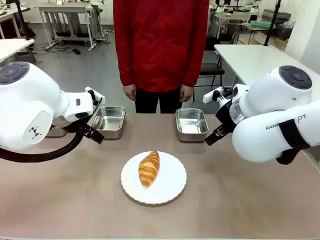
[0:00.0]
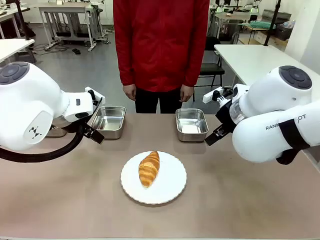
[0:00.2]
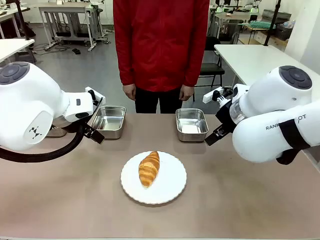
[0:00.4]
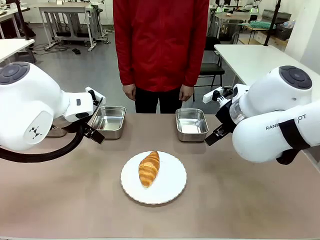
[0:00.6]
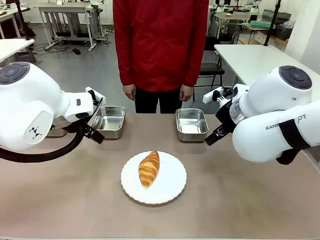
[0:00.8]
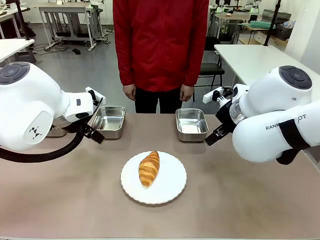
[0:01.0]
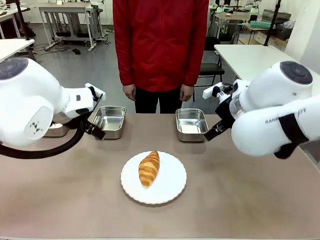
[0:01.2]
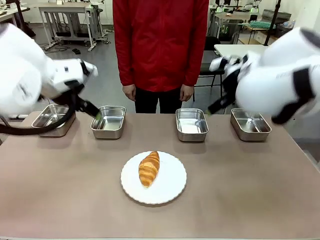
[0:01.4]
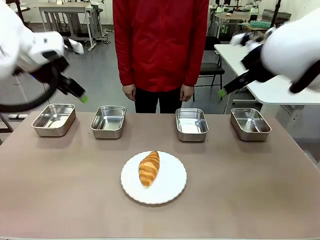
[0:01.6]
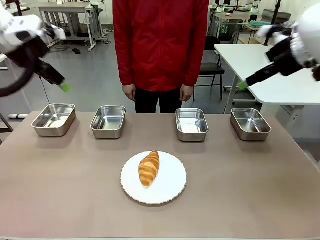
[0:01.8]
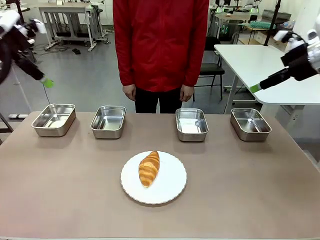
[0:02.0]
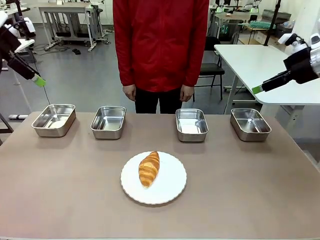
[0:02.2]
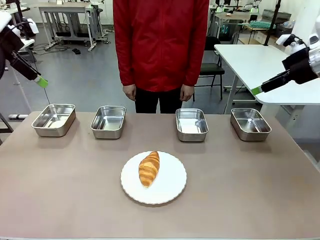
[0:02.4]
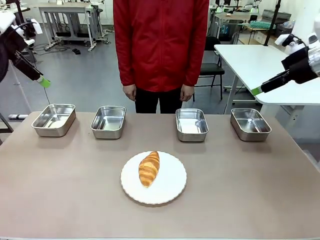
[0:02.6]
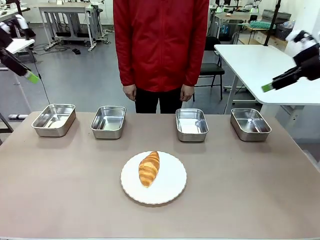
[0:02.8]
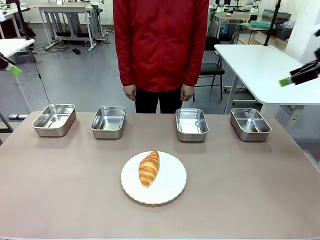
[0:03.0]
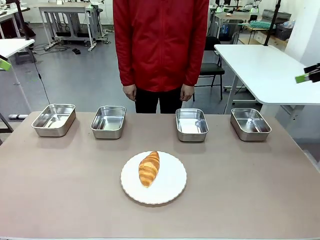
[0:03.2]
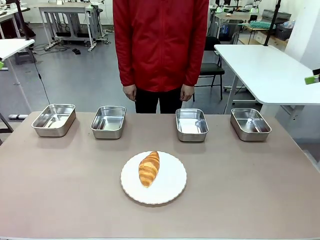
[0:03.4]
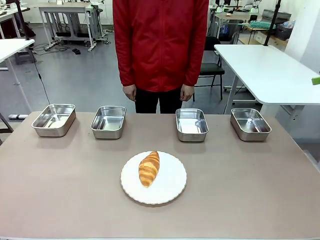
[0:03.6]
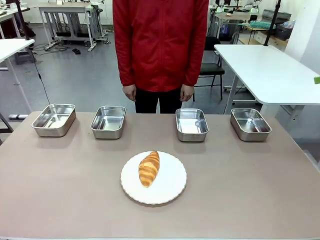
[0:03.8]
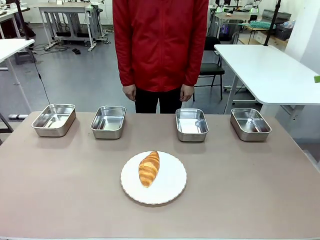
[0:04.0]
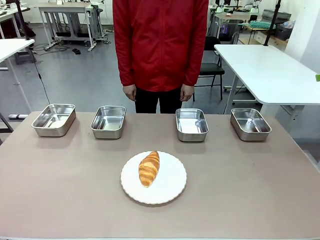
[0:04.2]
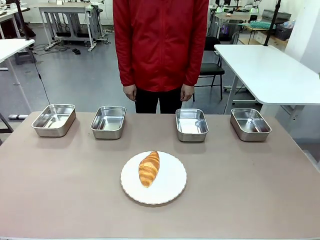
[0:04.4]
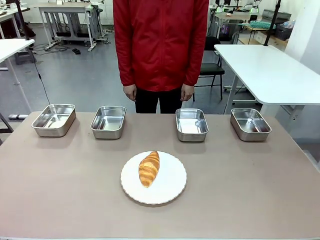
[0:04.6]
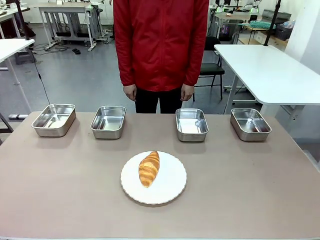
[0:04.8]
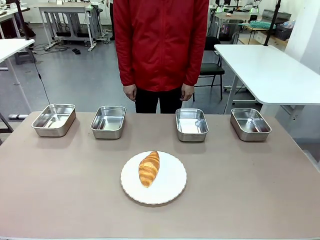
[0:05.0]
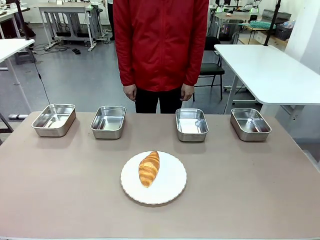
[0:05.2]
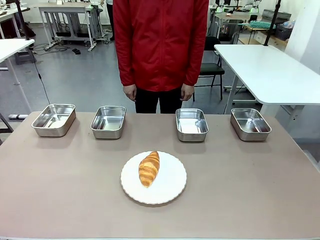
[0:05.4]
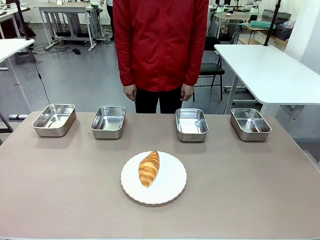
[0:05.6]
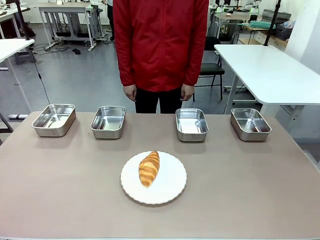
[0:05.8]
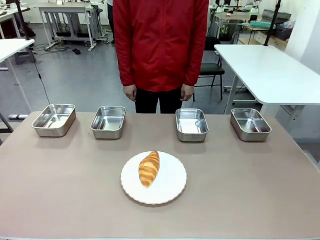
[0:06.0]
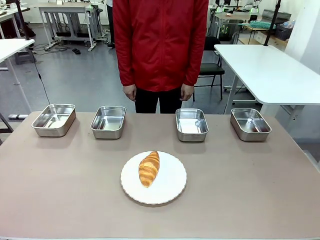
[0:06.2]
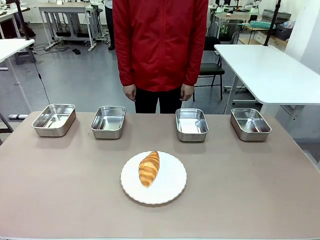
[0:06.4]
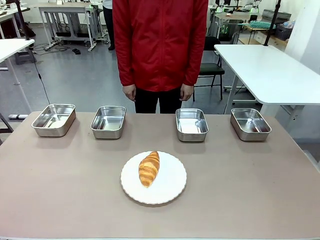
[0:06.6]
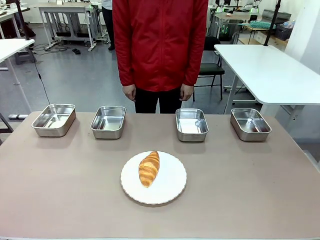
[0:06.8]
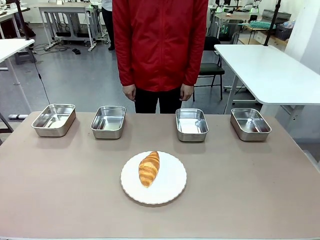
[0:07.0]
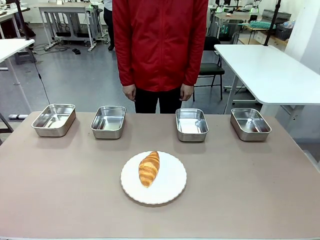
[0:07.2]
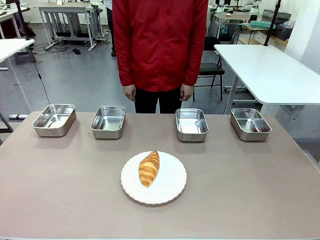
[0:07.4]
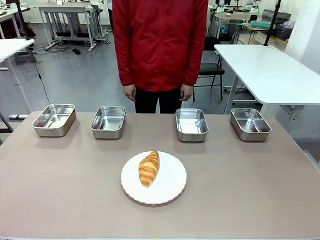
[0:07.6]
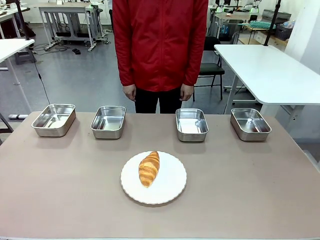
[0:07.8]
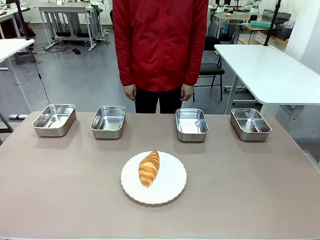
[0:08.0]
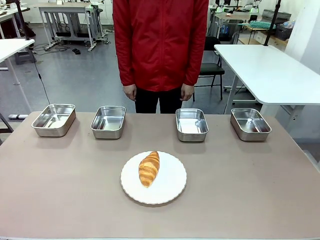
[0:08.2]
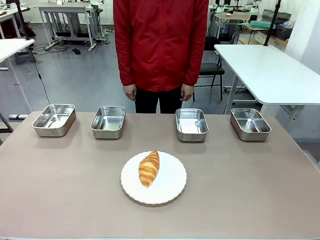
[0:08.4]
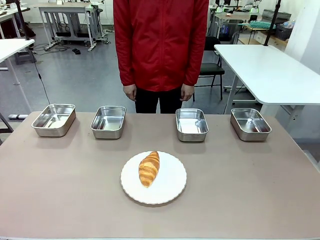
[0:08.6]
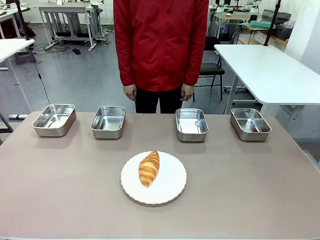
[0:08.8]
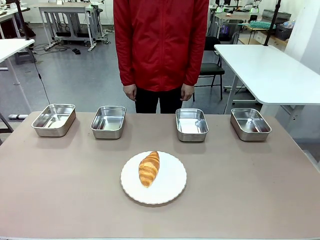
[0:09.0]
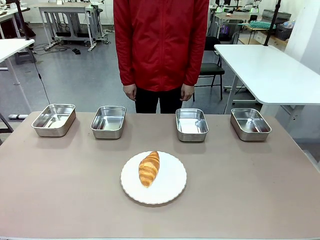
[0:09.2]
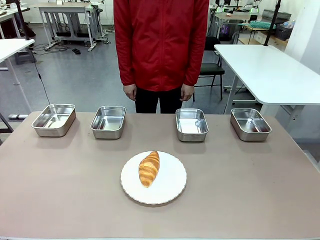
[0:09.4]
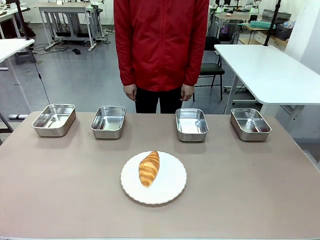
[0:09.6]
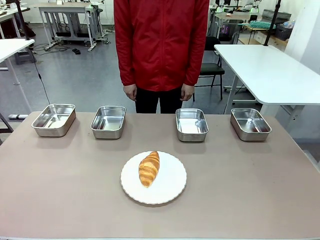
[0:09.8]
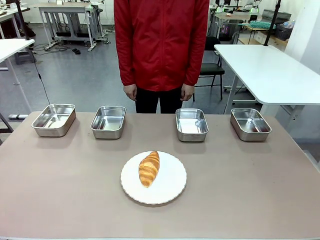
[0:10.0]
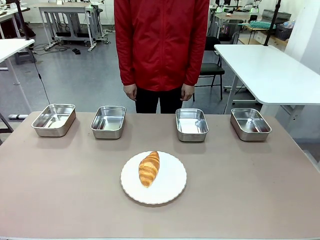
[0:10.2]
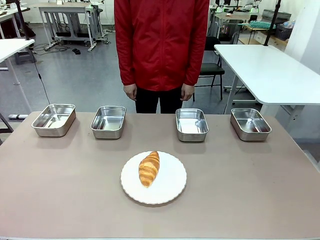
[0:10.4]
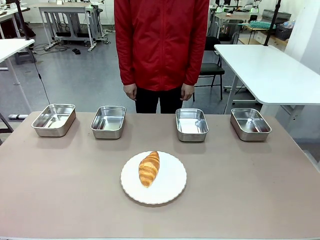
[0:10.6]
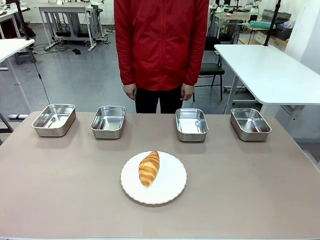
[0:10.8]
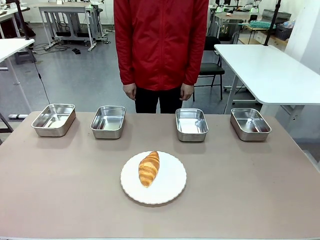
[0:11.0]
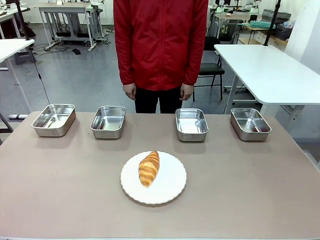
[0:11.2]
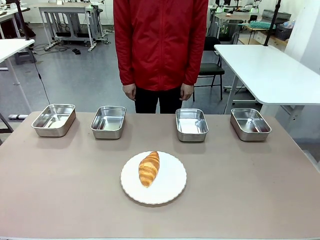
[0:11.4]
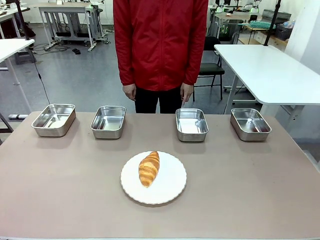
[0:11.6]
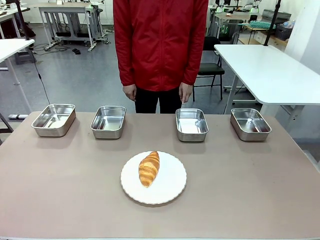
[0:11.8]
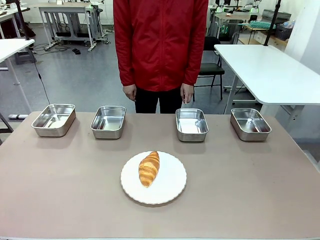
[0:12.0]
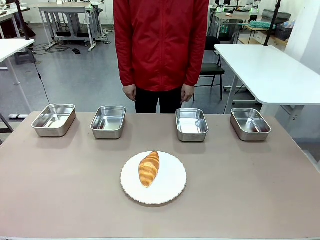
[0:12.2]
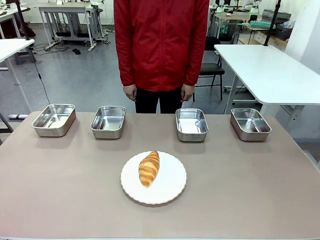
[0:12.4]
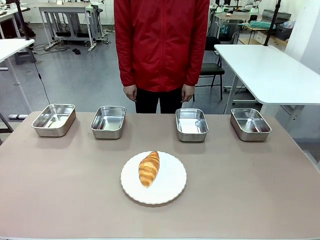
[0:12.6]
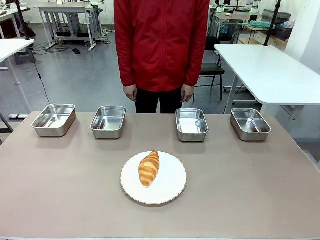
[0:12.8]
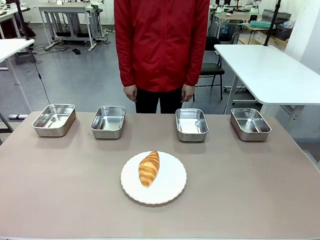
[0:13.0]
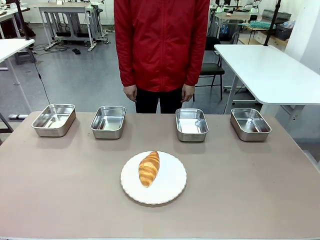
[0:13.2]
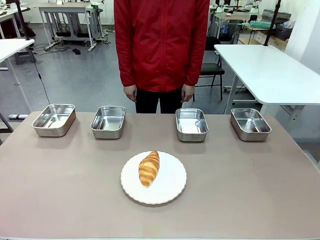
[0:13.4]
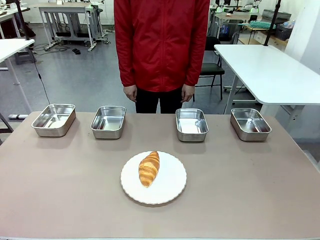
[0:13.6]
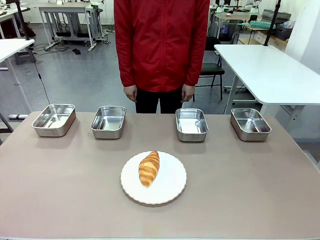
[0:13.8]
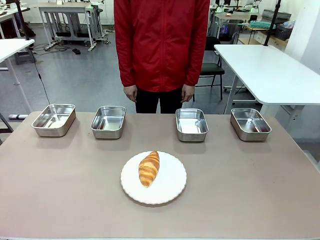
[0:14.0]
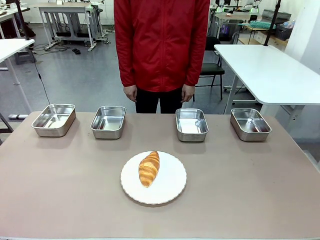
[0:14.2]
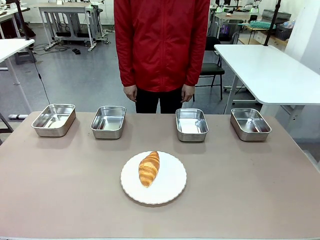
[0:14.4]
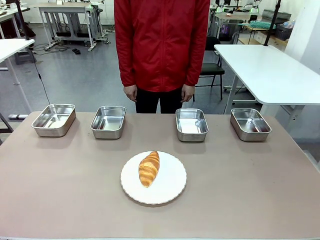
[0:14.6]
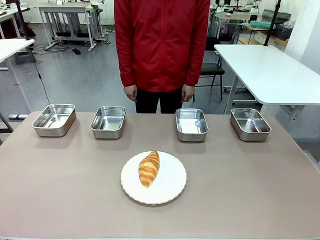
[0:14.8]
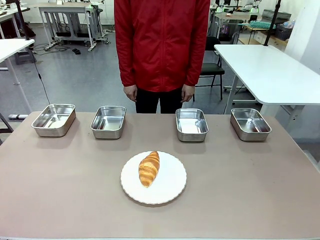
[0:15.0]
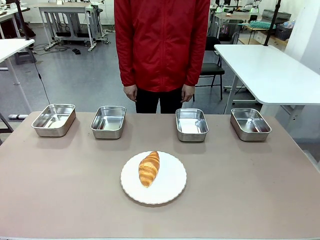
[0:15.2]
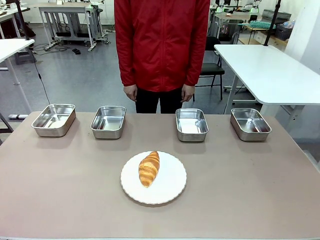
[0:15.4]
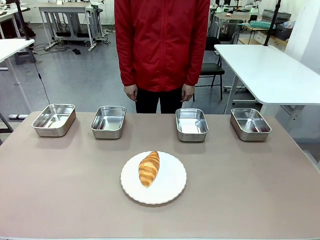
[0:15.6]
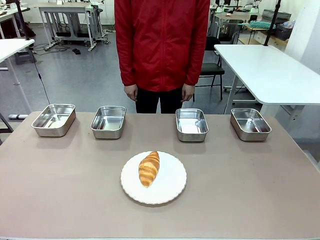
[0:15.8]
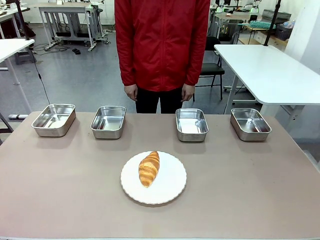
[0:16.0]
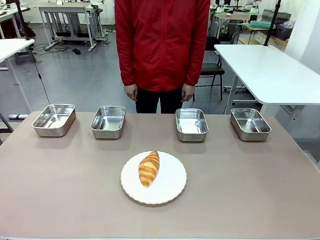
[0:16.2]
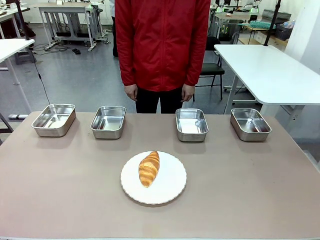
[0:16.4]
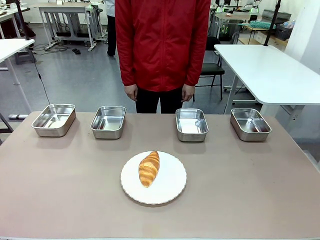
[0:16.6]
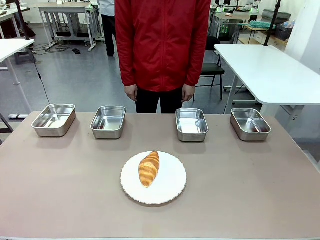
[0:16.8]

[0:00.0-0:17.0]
Task: Place the bread in the container.
Robot: Place the Butter Roll into the Airtight Container indicated by the human.
